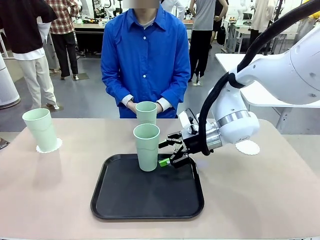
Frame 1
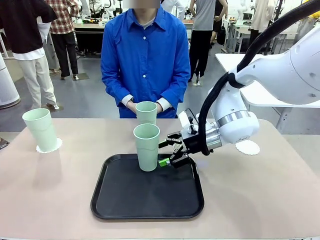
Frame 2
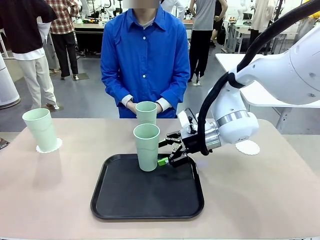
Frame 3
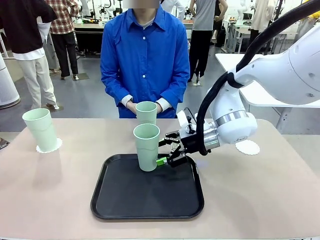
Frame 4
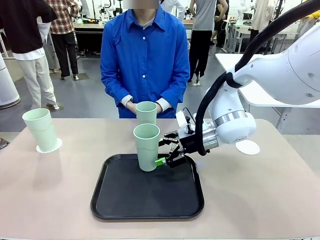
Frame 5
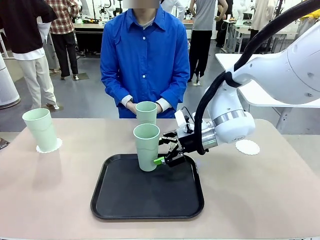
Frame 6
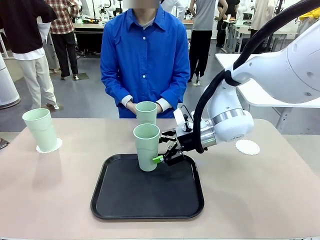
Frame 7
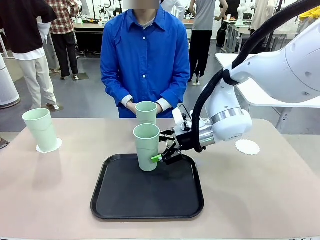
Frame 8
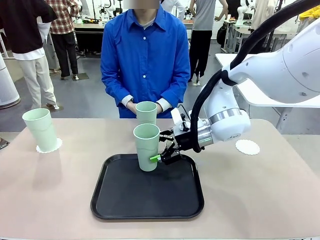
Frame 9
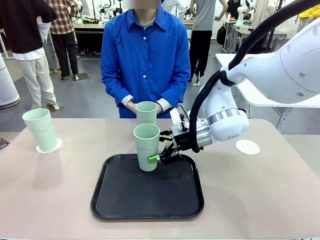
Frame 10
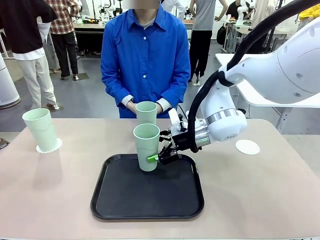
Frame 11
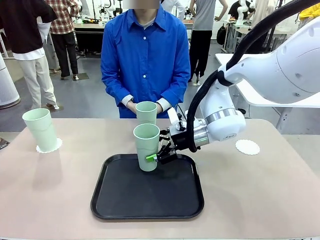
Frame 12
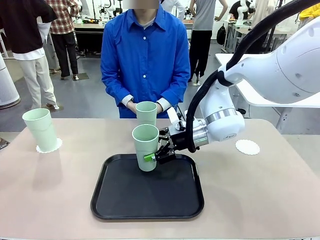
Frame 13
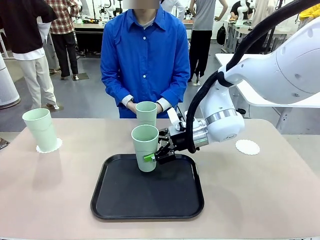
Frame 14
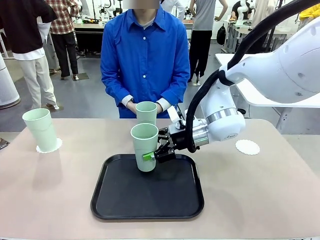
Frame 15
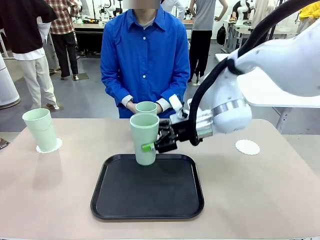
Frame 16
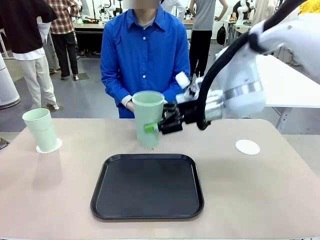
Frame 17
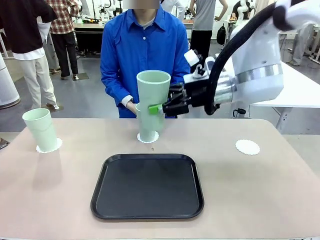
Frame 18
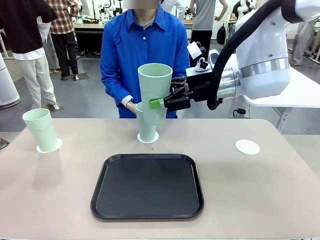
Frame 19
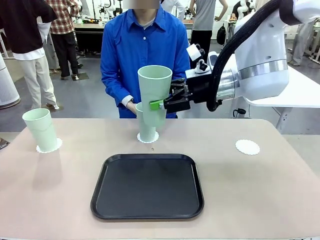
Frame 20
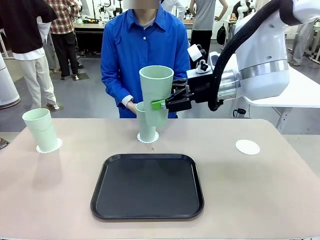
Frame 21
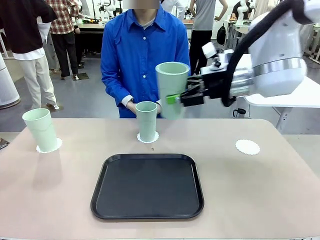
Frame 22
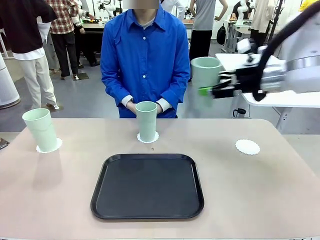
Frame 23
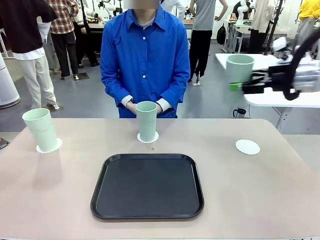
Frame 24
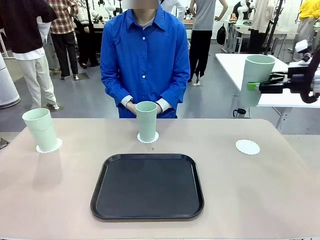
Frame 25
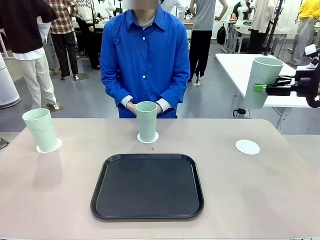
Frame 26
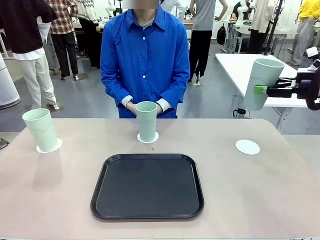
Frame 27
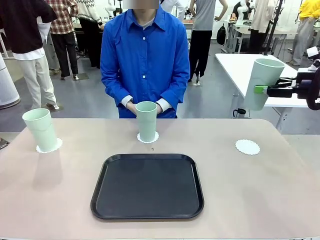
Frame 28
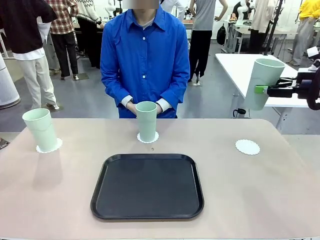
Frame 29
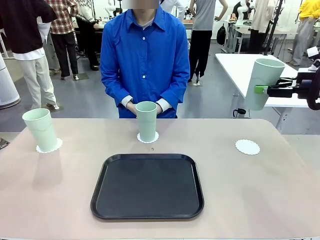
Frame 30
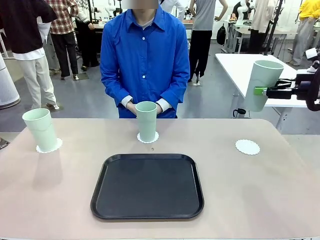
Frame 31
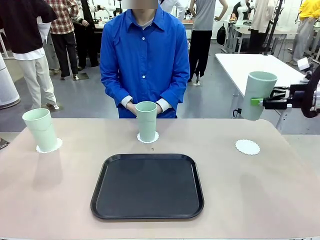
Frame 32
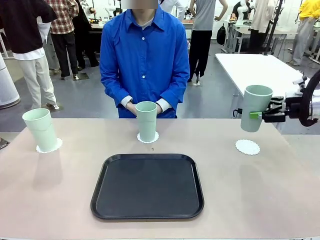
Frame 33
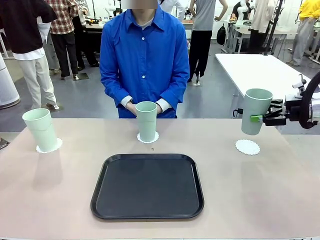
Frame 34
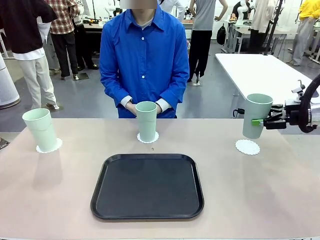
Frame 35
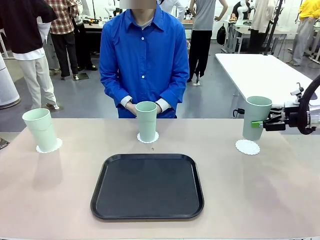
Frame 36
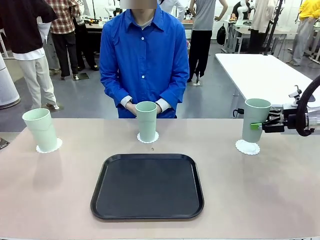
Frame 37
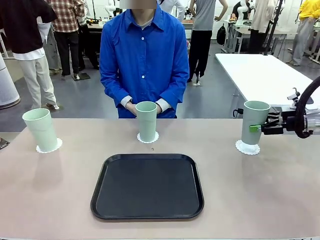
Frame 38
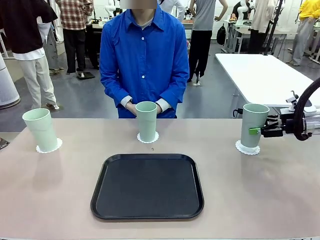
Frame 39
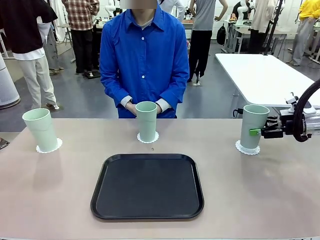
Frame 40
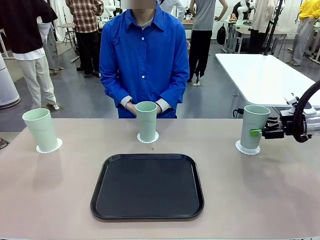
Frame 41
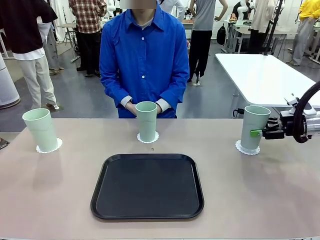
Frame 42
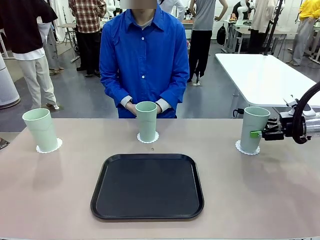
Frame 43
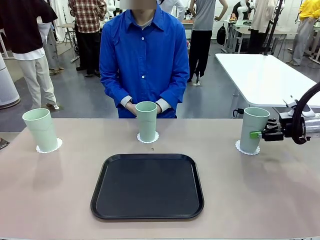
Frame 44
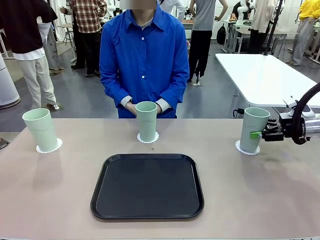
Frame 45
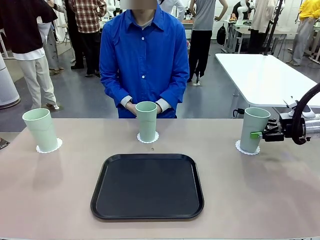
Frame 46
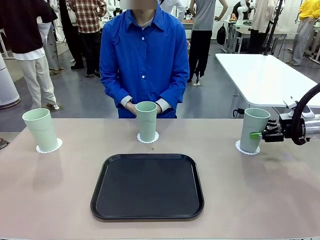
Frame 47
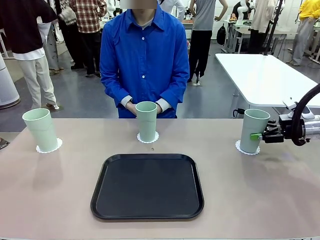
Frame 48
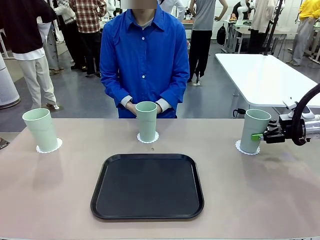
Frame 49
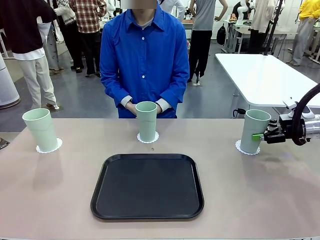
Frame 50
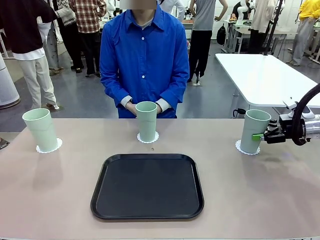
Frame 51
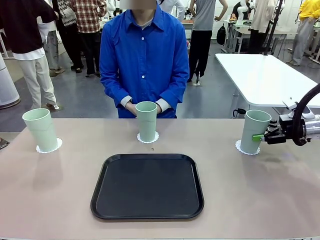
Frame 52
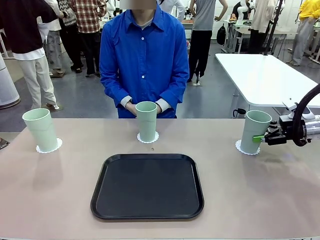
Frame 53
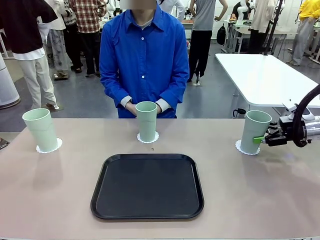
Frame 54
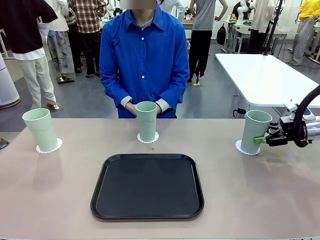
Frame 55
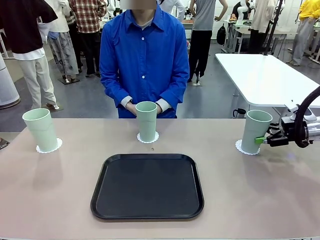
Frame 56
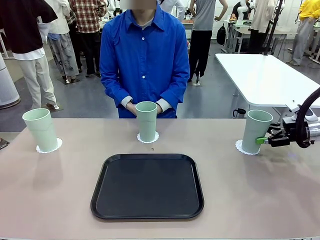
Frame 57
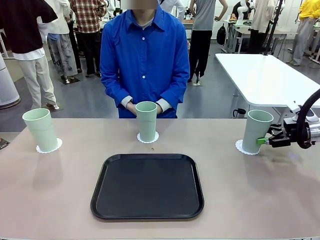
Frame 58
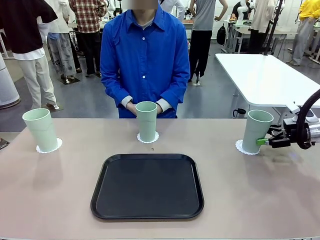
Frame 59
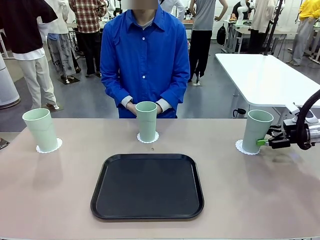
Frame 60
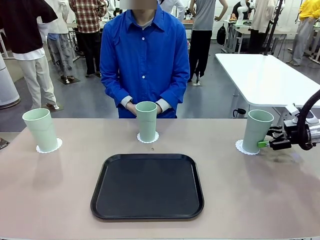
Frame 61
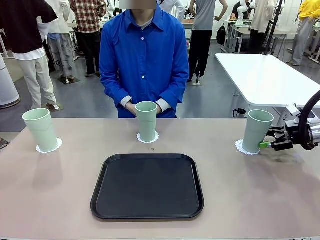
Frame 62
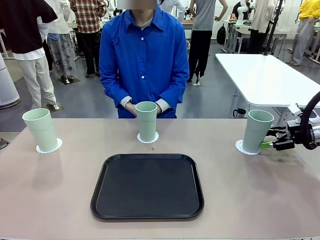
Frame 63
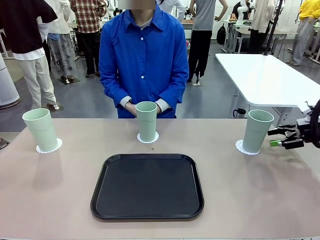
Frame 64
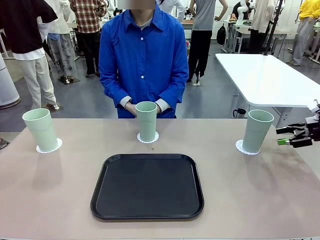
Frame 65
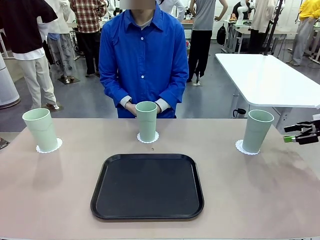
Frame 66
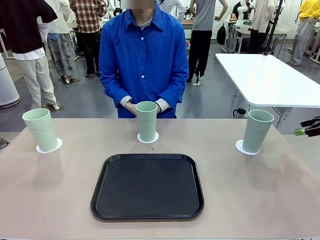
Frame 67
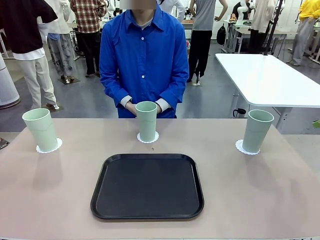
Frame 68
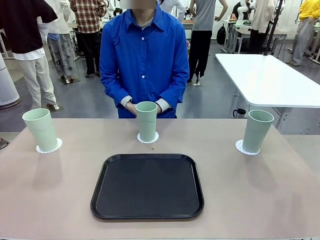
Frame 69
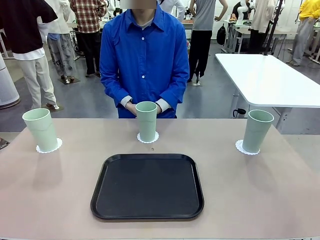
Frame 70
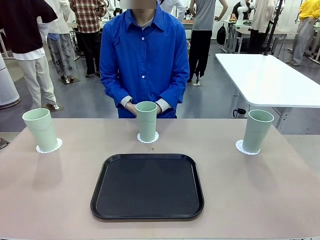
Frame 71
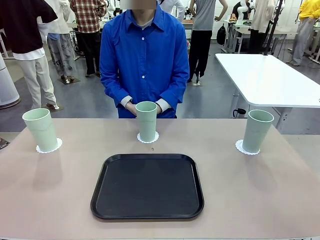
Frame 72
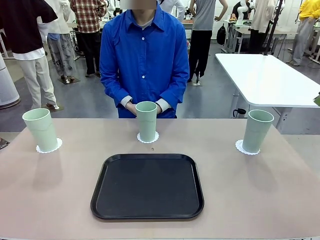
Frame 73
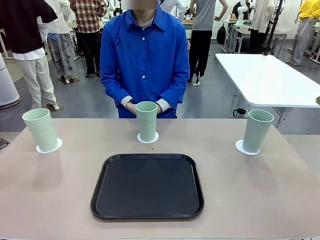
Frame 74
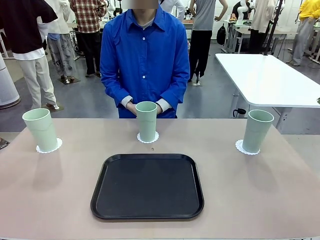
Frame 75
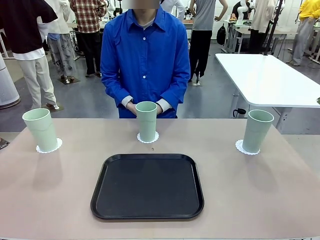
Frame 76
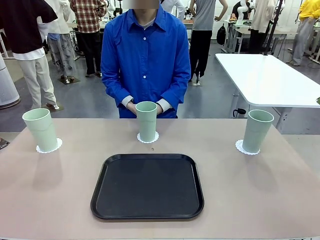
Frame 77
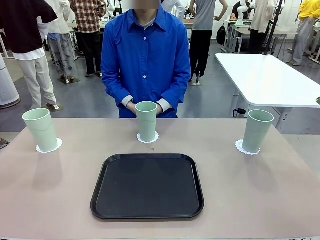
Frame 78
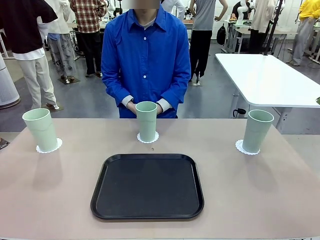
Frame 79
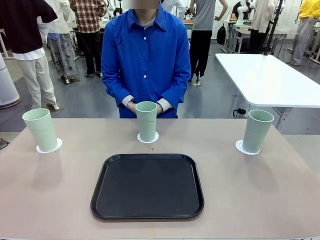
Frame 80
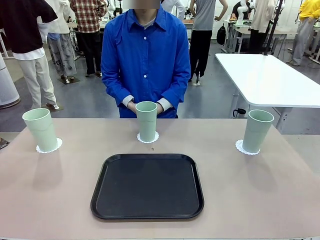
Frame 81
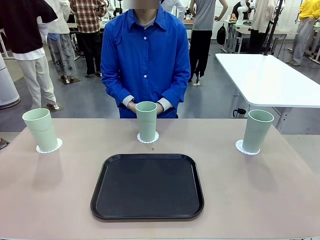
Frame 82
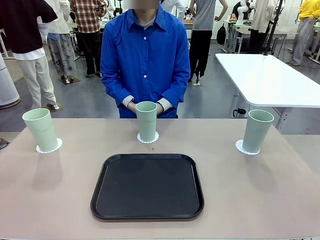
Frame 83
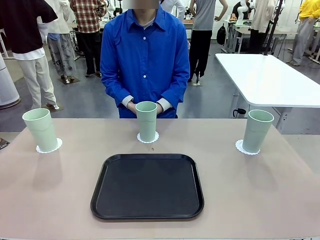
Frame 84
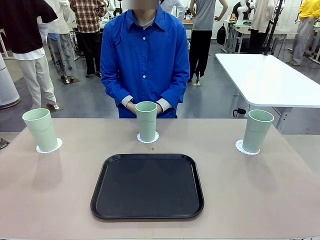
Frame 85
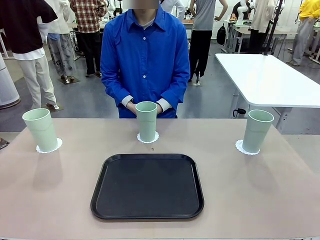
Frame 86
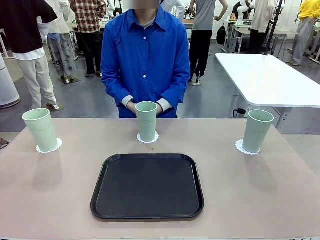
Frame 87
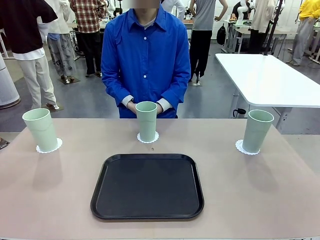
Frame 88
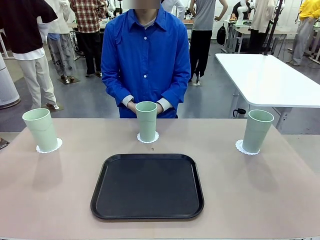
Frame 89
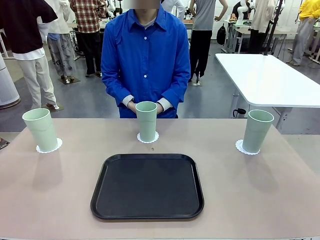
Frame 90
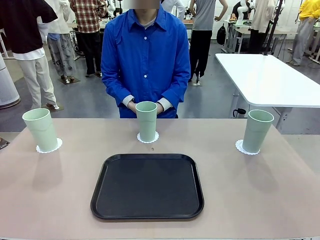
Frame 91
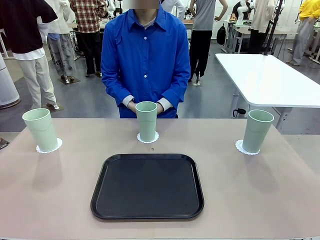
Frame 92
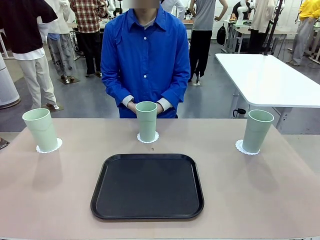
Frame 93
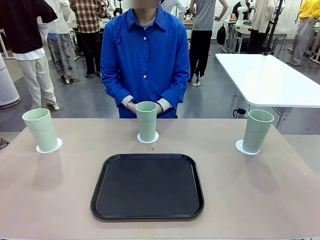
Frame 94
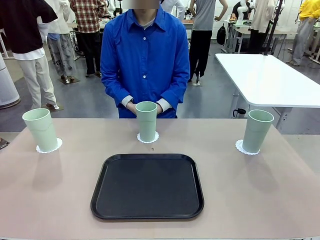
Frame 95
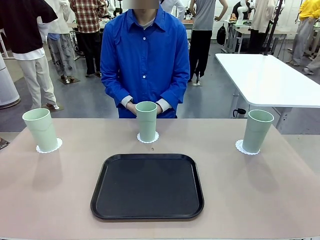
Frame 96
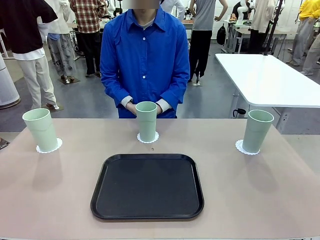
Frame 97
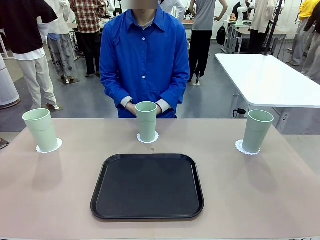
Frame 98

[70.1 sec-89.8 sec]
Task: Place coasters on the table and set cups on them.
Robot: Take one Reusable plastic cup from the Flat Tray and place it on a coaster set by the human.
